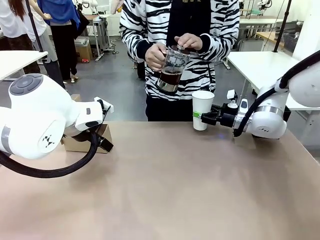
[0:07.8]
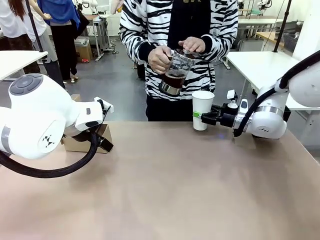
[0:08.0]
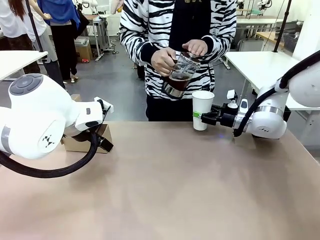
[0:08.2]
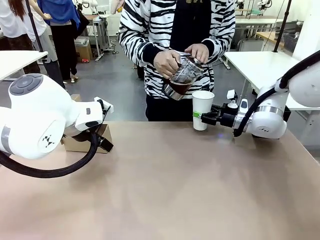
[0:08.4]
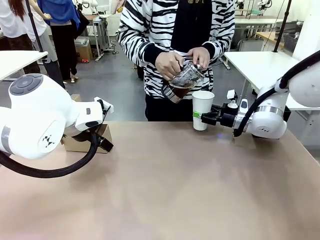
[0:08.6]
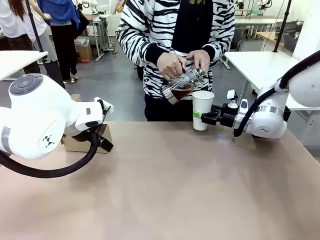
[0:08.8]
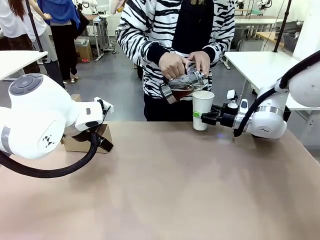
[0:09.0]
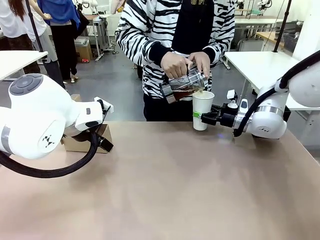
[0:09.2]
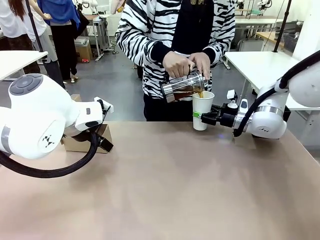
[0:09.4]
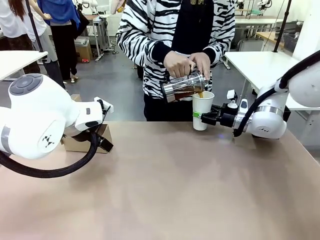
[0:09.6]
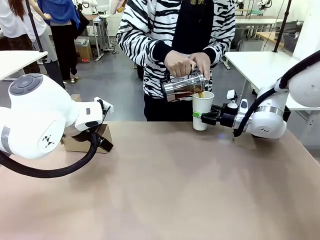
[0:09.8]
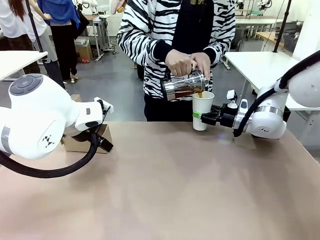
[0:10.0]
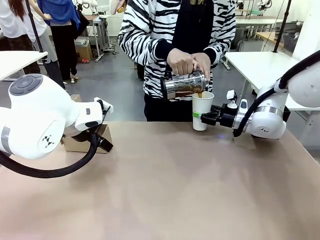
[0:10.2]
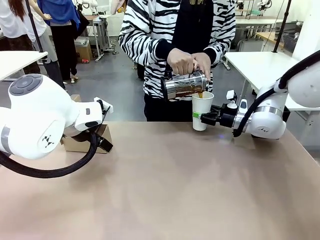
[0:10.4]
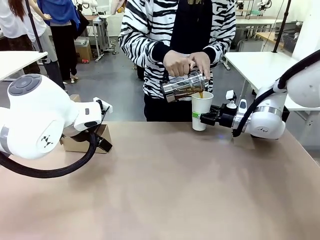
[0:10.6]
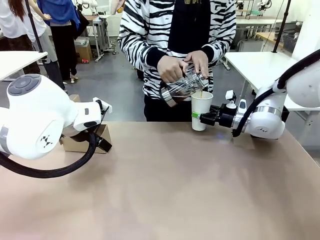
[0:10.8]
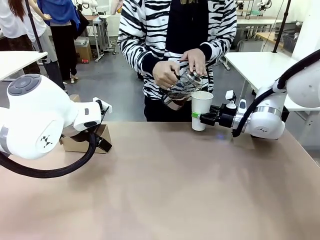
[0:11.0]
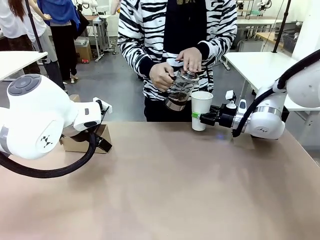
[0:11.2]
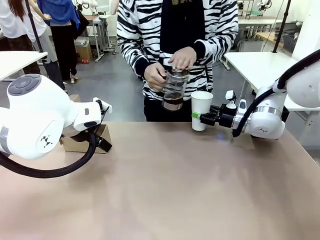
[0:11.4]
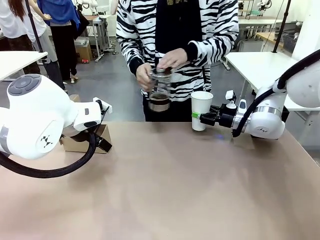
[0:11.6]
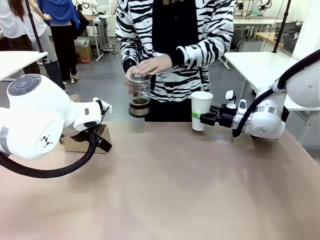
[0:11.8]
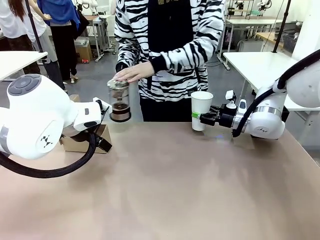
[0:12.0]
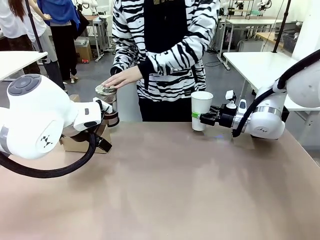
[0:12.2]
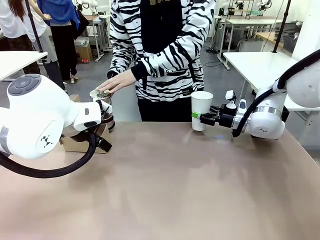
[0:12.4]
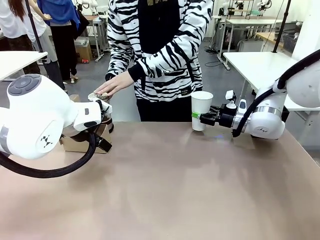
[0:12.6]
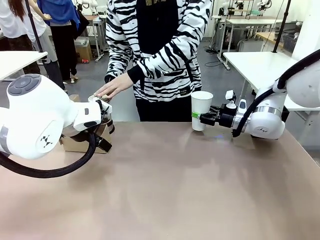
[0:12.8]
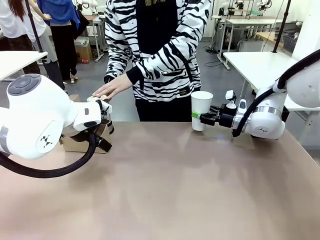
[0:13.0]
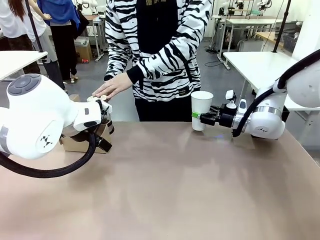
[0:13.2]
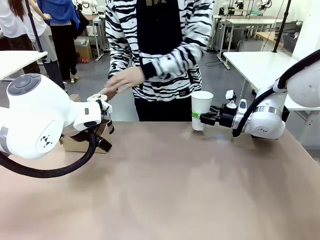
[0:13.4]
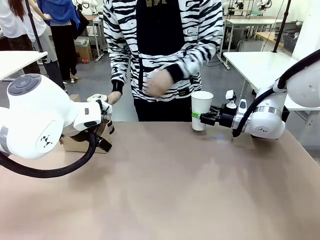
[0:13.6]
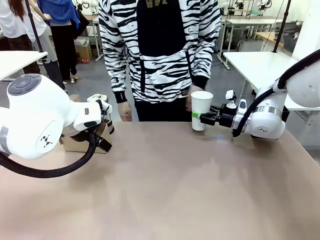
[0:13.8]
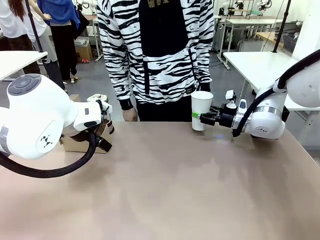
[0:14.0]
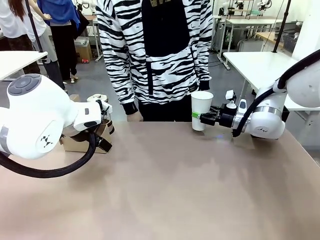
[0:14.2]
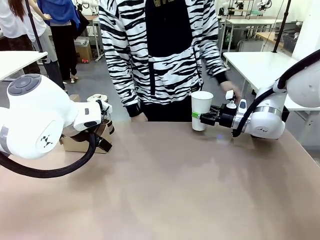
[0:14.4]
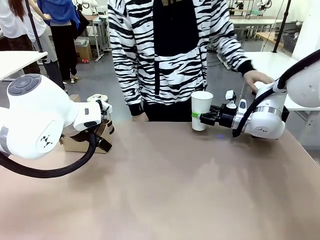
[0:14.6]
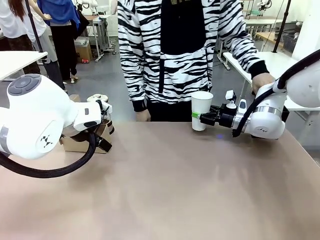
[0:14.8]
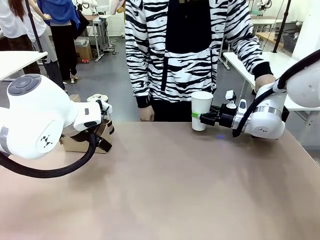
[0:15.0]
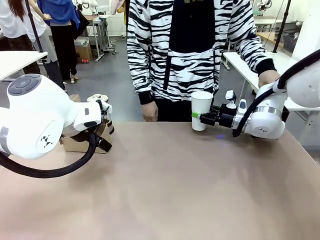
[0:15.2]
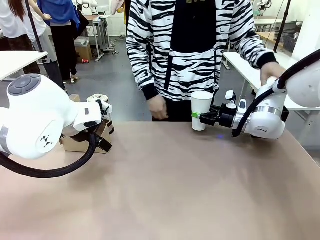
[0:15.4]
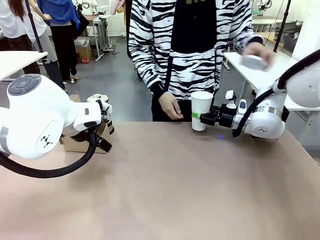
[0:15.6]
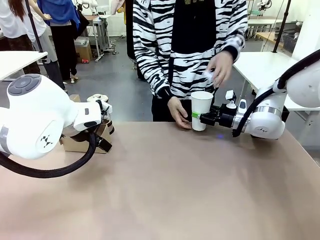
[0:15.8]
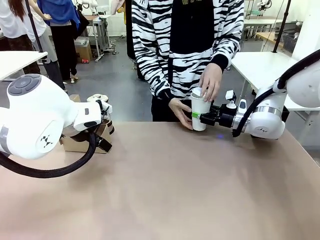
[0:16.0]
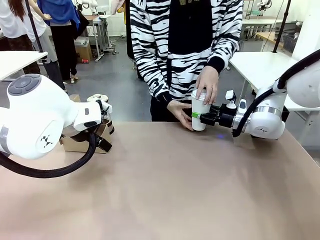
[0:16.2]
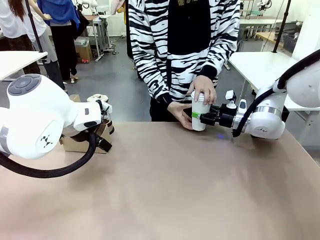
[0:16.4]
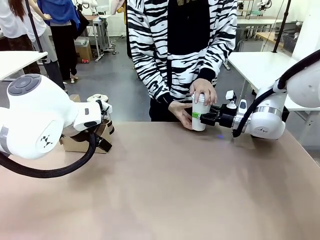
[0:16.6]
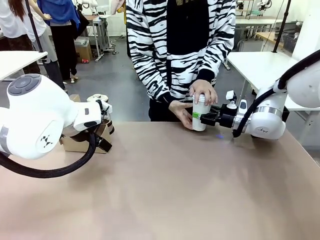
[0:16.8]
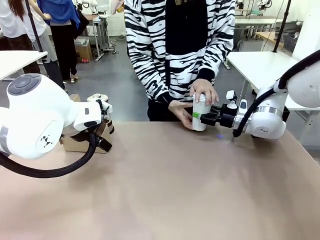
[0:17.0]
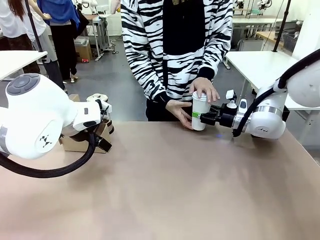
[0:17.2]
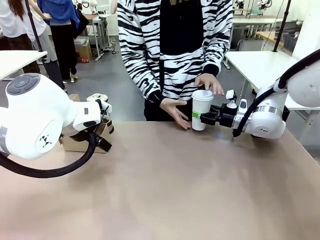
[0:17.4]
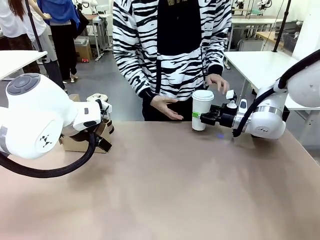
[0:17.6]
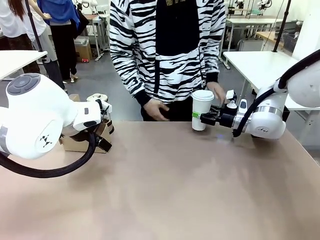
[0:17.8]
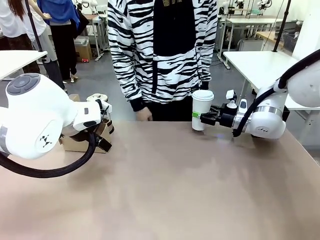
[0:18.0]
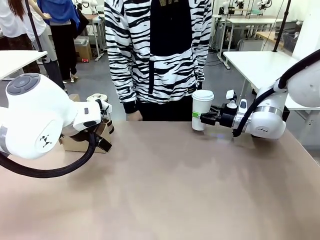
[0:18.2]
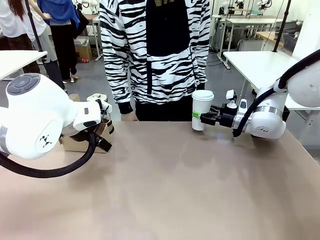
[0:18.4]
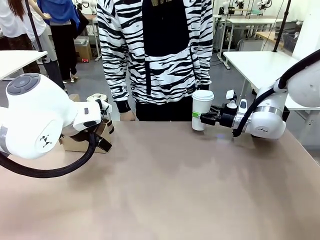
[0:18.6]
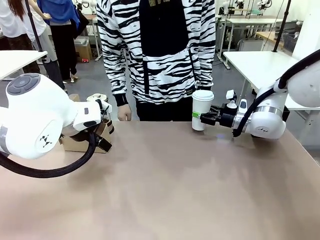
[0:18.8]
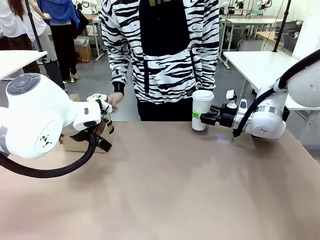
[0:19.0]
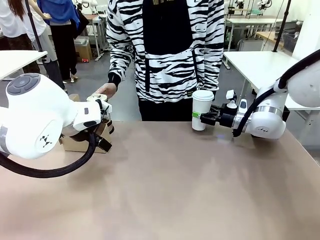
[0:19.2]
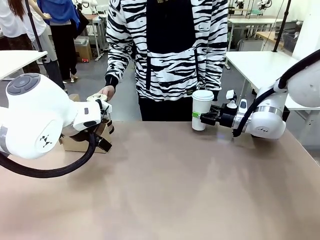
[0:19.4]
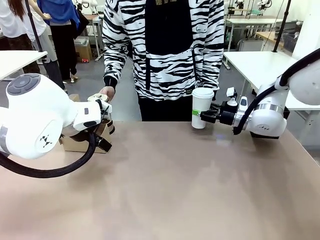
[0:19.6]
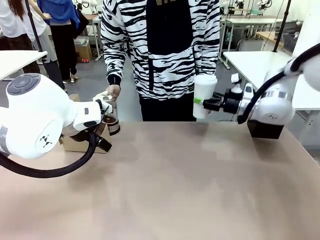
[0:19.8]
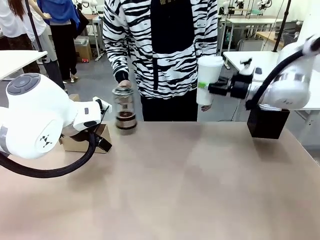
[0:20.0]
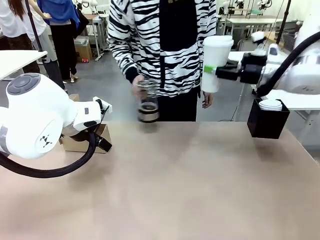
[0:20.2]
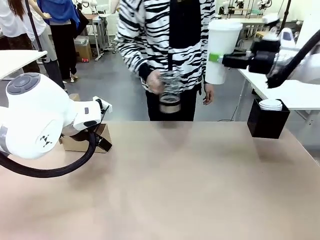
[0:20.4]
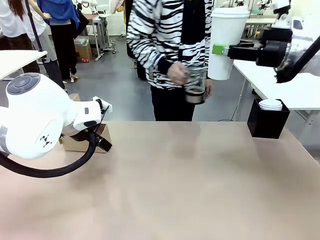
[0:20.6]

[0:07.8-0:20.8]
Task: Pour a drink into a cup and package it in a carrier.
Robot: When a person places the Paper Cup Lid on the 600 ml Paper Cup , lift the 600 ml Paper Cup.
Person: Pour the drink from the Filter Brewing into the 600 ml Paper Cup. Place a Paper Cup Lid on the 600 ml Paper Cup.

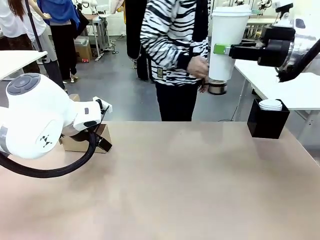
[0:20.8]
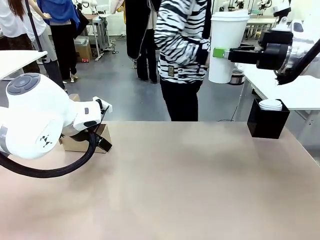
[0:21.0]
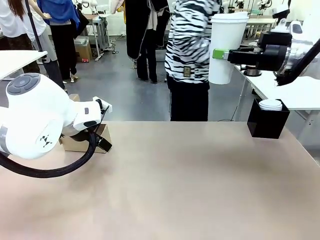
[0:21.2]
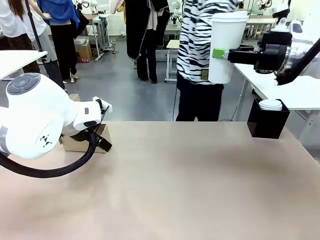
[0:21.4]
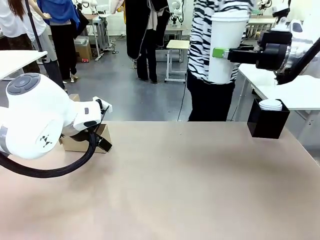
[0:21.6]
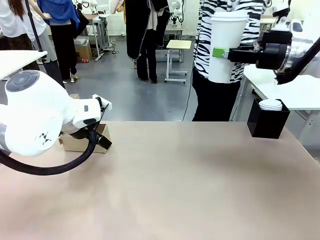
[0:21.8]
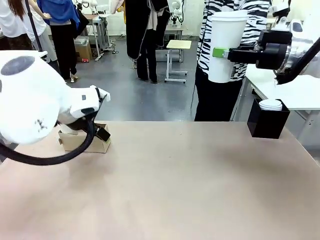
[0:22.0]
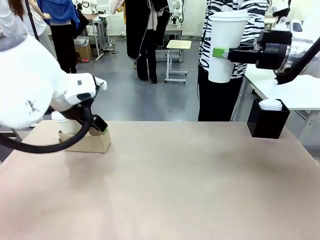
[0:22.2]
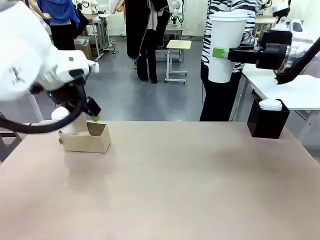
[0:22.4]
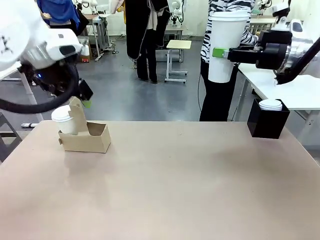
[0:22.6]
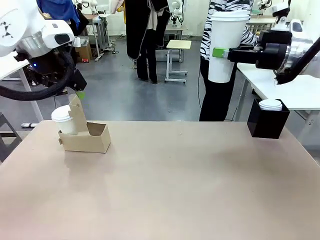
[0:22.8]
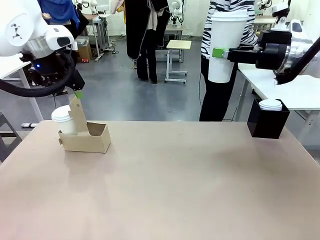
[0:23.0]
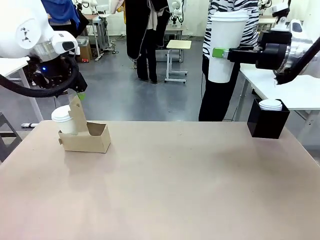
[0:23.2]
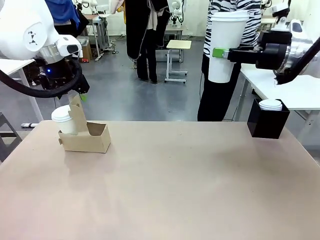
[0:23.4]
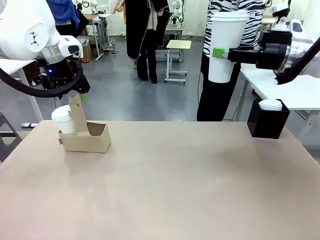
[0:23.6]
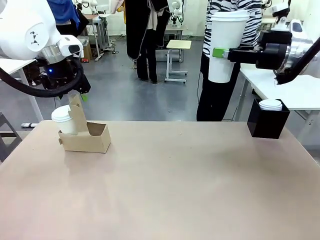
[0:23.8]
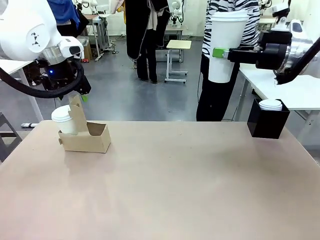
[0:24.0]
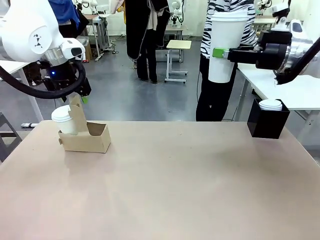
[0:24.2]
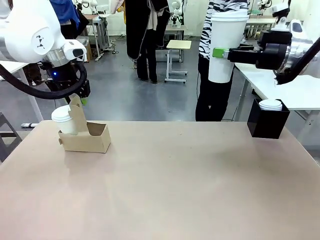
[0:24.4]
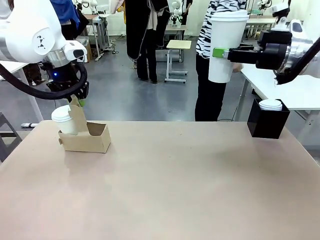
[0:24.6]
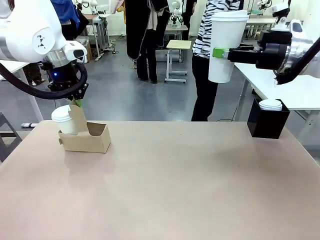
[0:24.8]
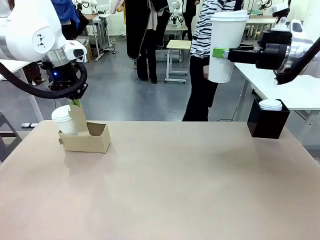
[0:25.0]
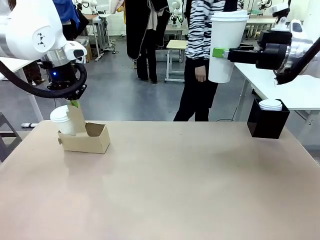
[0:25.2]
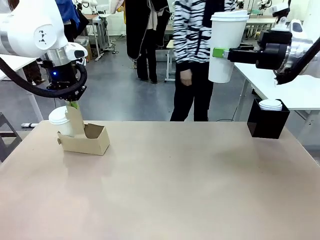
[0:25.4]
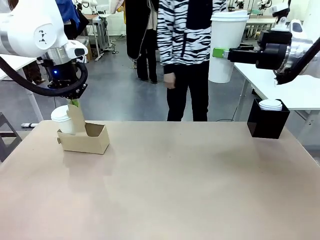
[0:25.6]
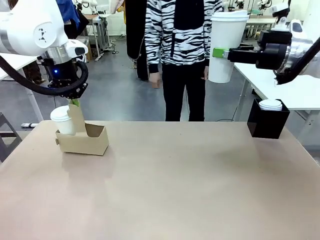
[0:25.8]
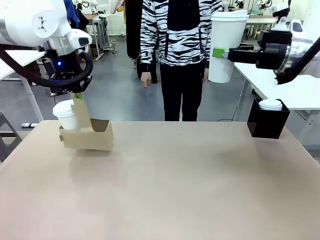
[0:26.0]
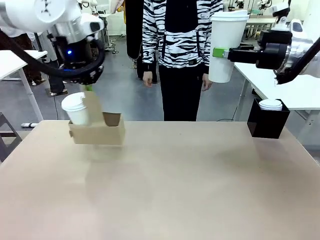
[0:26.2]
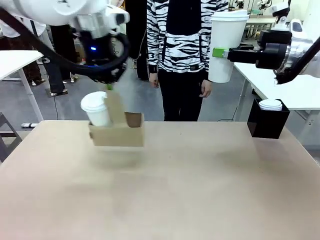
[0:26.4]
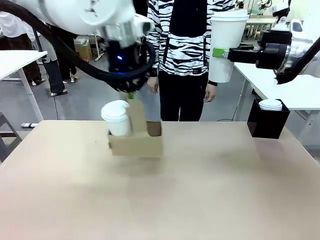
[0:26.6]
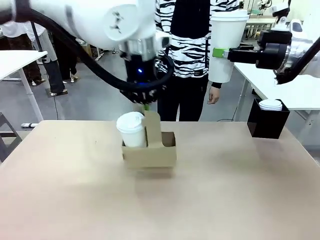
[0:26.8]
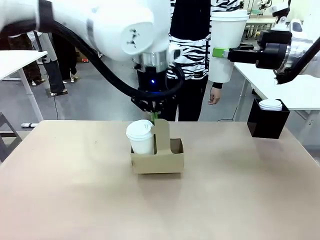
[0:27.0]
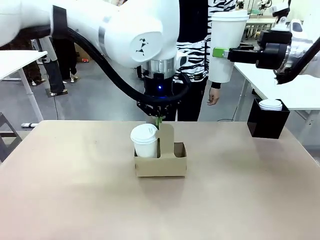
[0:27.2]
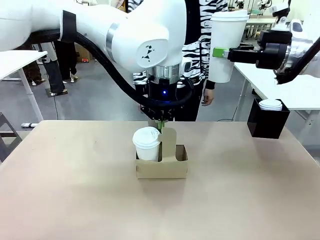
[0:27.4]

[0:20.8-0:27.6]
Robot: Position the Cup Carrier in the center of the table.
